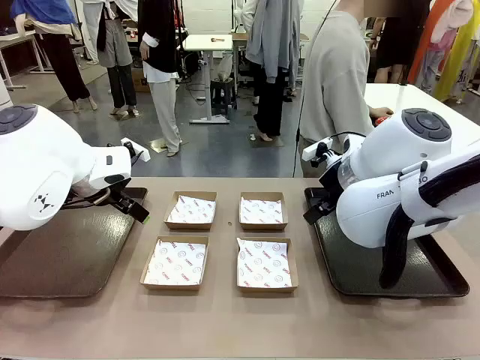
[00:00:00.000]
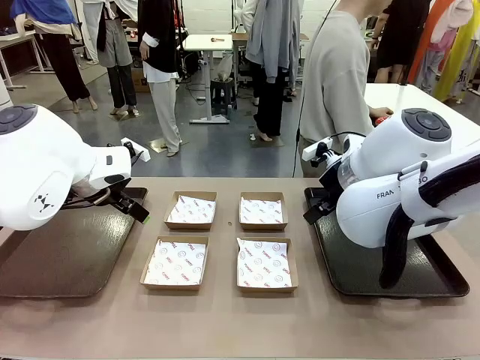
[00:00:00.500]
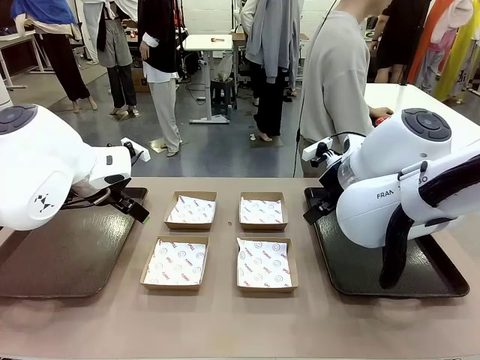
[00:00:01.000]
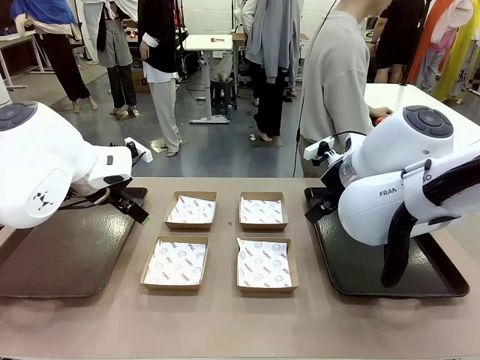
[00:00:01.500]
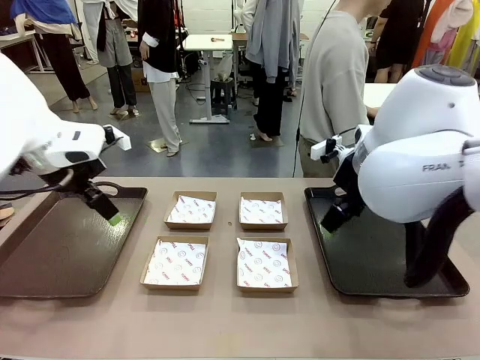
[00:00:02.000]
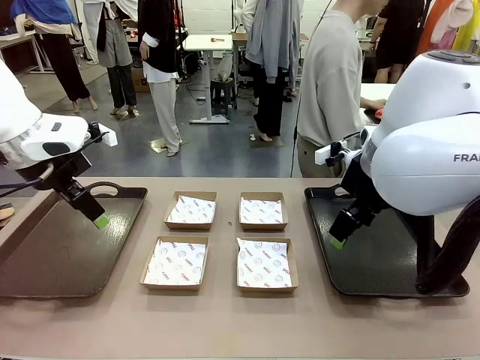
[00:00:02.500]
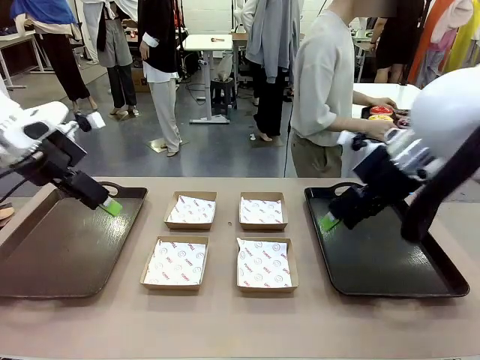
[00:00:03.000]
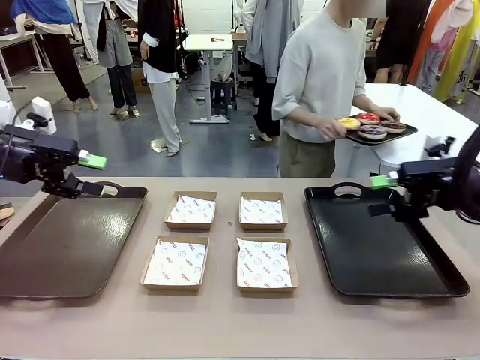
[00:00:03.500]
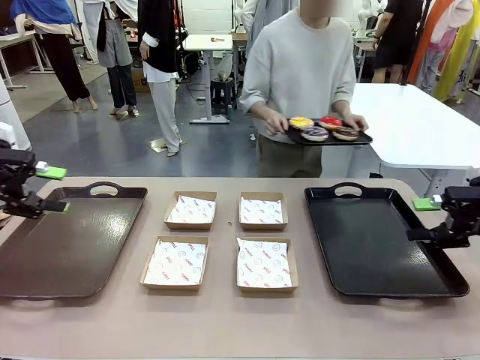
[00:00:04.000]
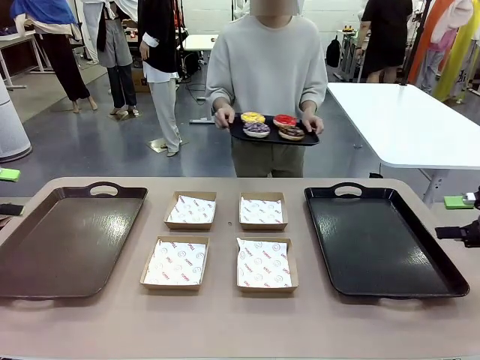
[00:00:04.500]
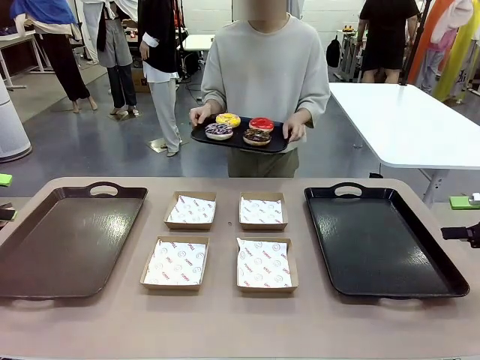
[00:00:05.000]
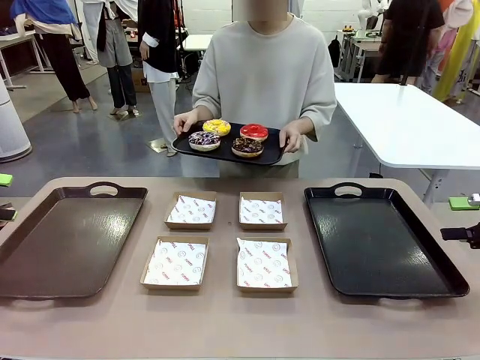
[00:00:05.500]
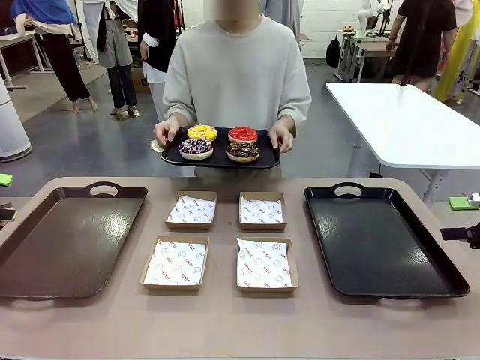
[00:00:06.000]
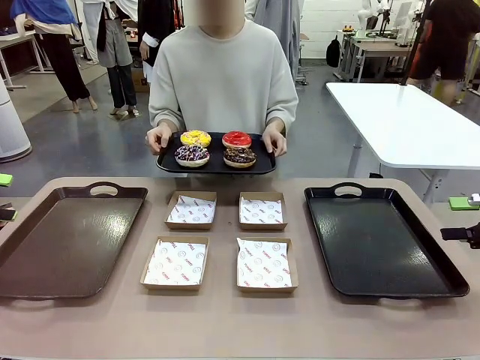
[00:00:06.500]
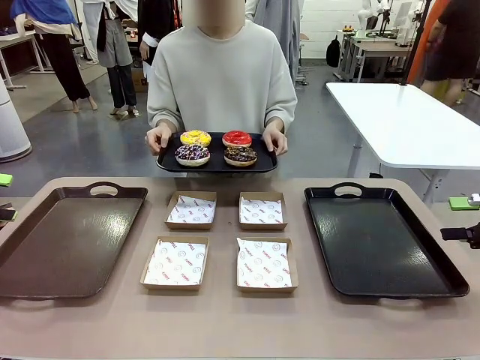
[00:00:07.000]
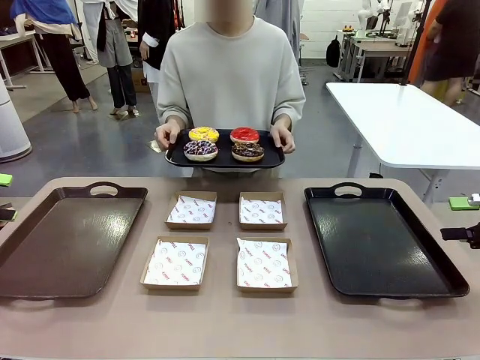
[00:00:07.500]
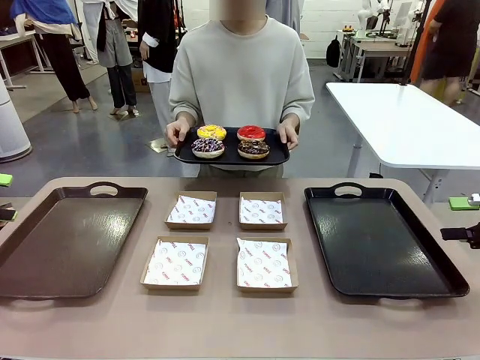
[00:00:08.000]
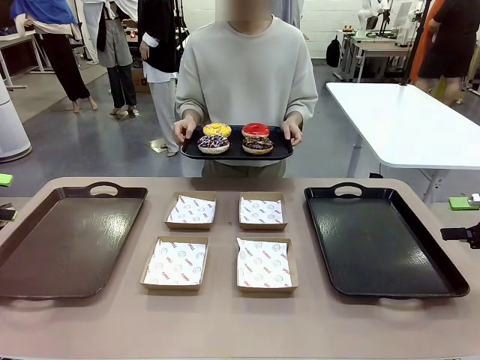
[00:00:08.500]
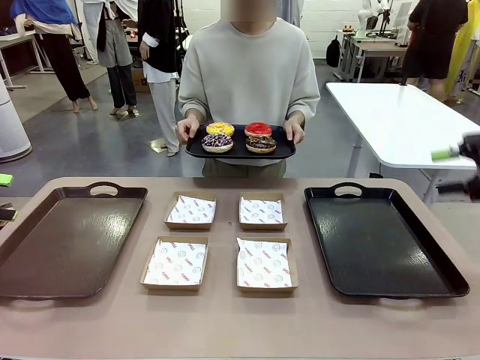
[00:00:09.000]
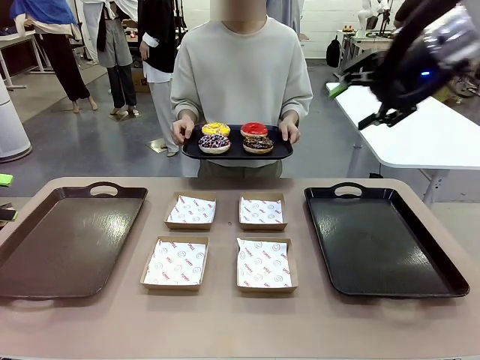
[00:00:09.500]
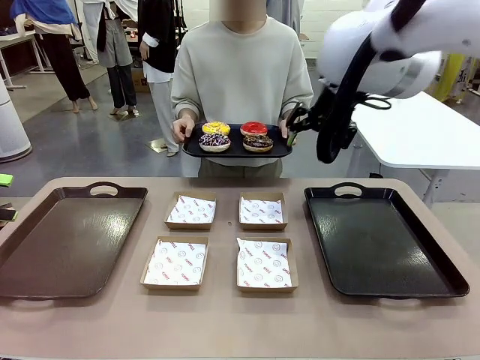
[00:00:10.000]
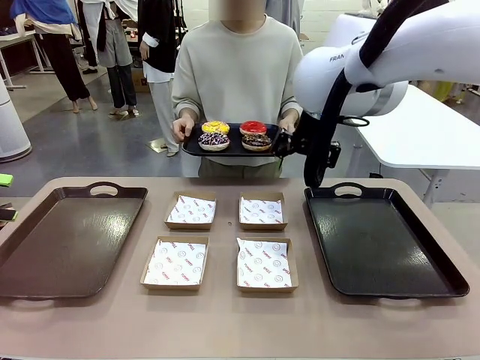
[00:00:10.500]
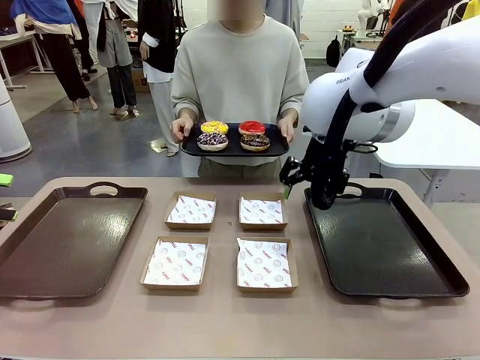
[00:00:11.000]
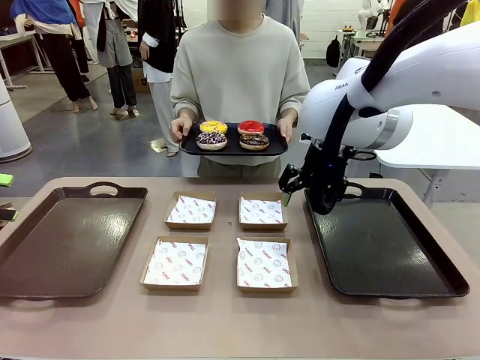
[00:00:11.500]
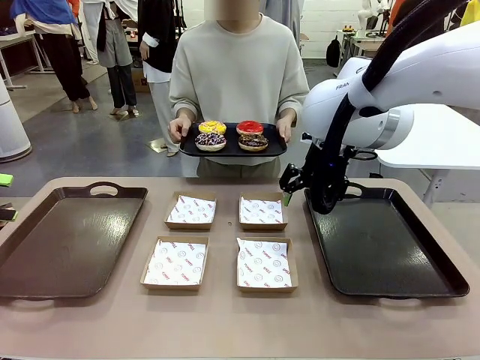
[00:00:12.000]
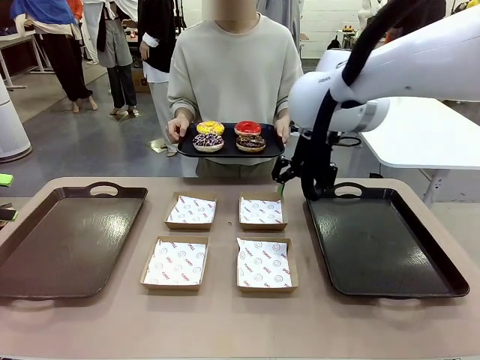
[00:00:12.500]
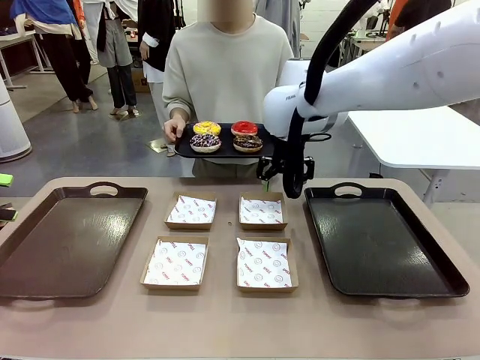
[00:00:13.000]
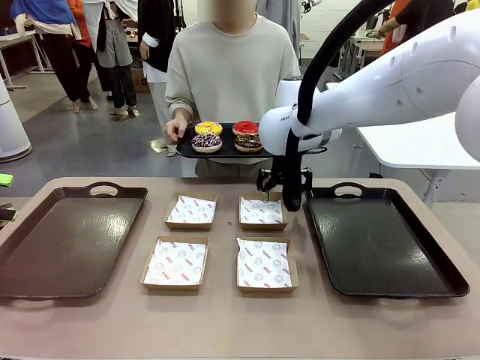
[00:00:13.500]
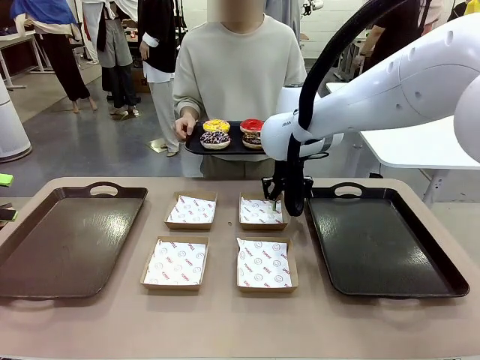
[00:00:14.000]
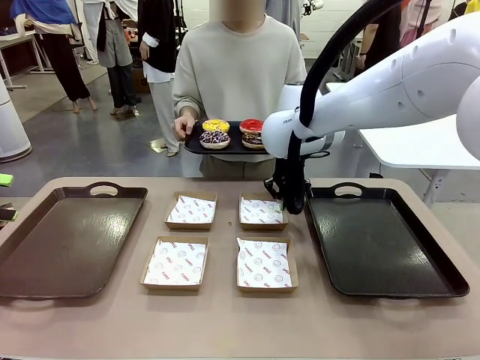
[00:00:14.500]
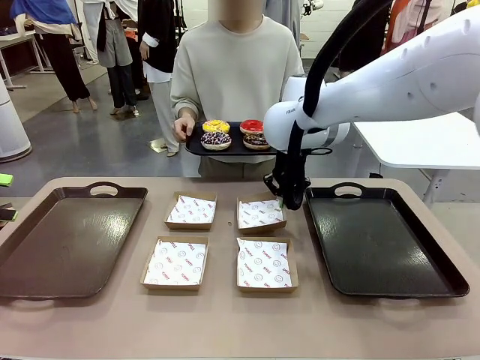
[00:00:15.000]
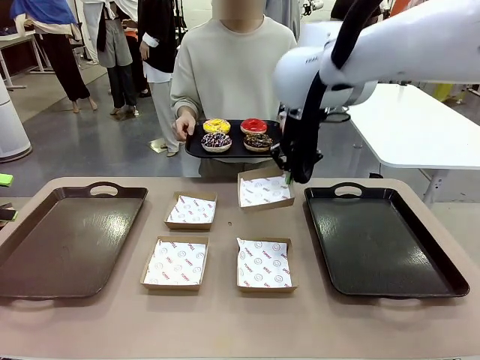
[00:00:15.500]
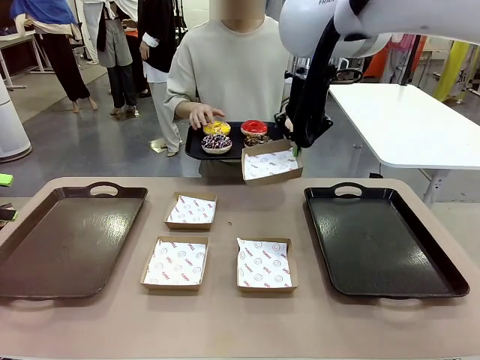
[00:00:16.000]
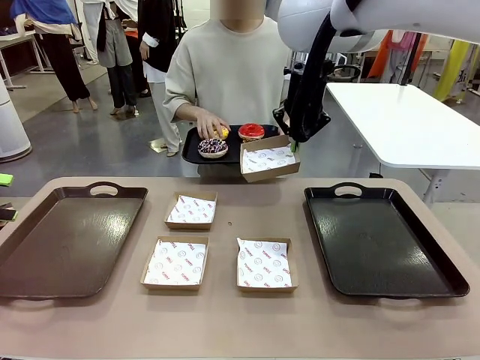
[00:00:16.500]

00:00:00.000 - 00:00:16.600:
Task: Individually package the donuts and arrange them on the tray.
Robot: Pick up one Paper togo box.
Person: Stand in front of the robot table holding the tray containing the donuts.
